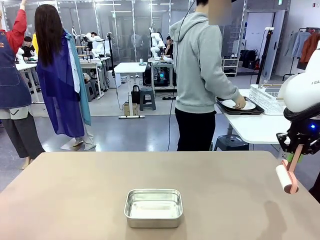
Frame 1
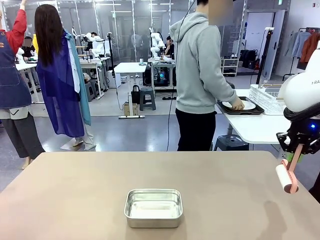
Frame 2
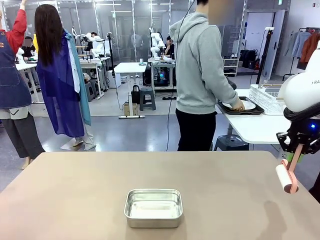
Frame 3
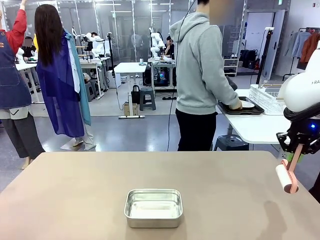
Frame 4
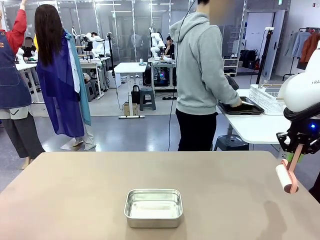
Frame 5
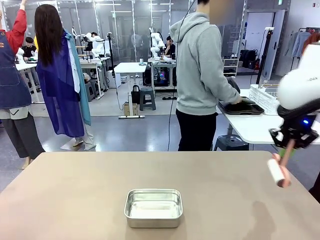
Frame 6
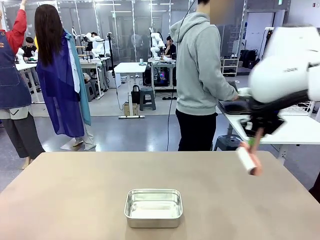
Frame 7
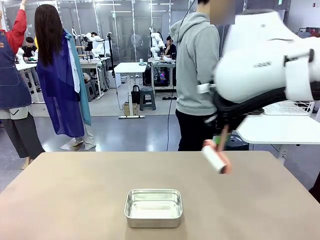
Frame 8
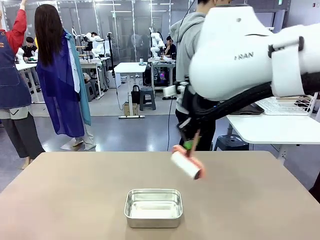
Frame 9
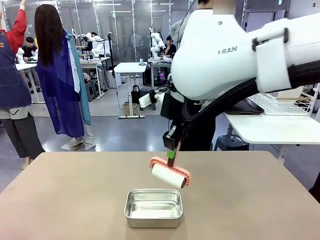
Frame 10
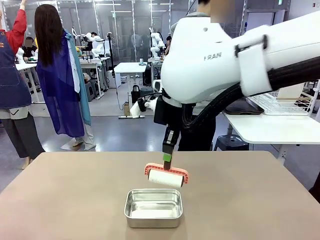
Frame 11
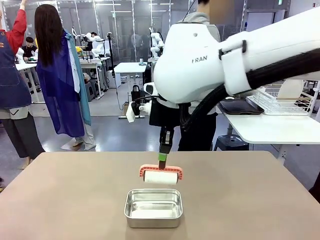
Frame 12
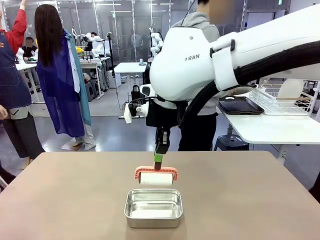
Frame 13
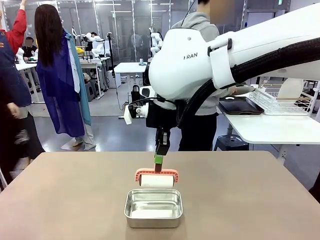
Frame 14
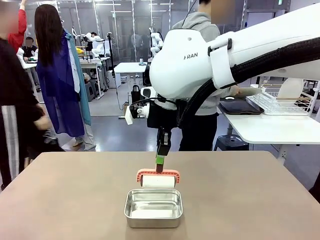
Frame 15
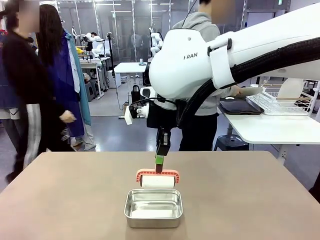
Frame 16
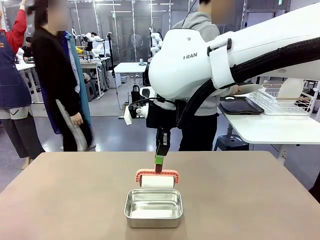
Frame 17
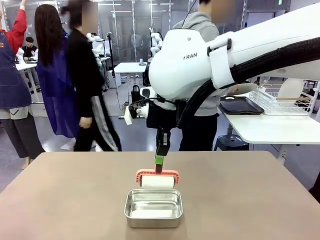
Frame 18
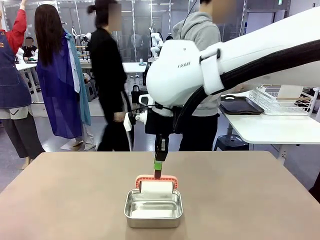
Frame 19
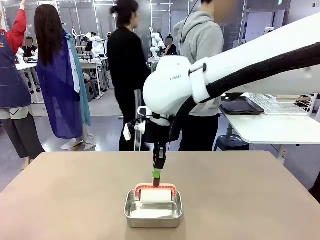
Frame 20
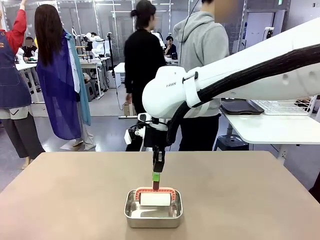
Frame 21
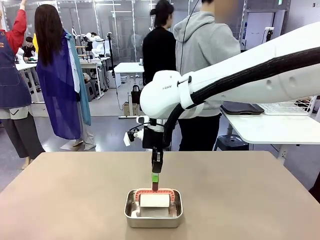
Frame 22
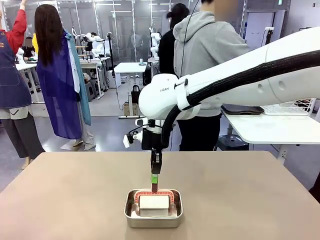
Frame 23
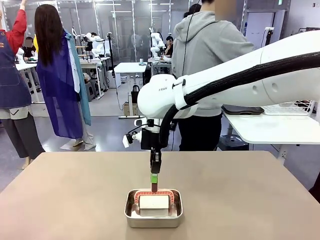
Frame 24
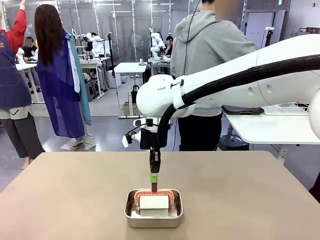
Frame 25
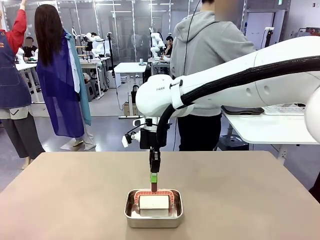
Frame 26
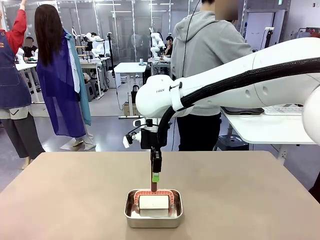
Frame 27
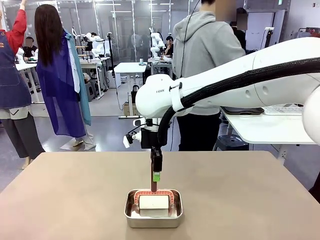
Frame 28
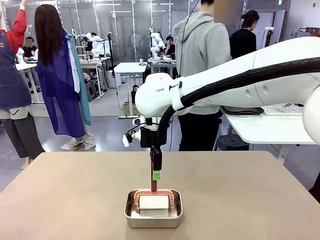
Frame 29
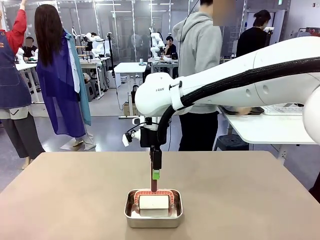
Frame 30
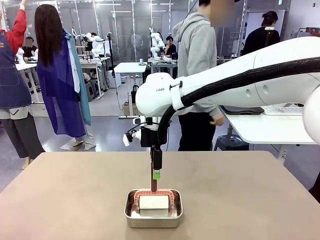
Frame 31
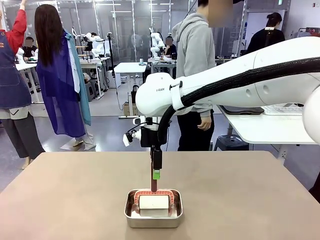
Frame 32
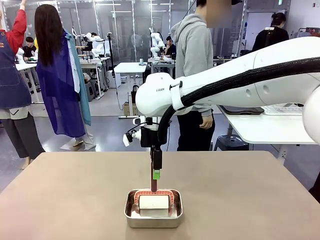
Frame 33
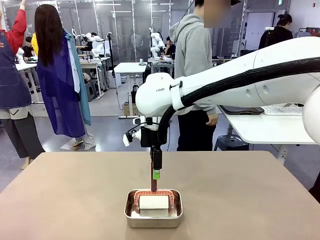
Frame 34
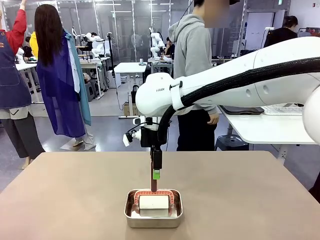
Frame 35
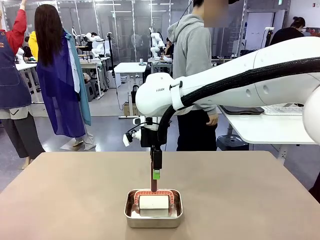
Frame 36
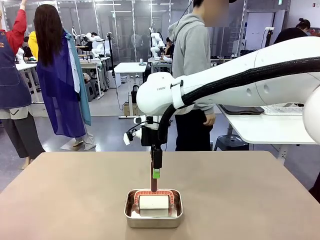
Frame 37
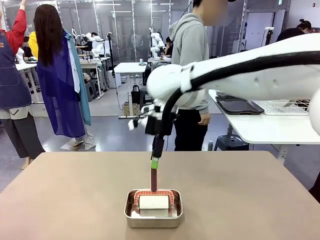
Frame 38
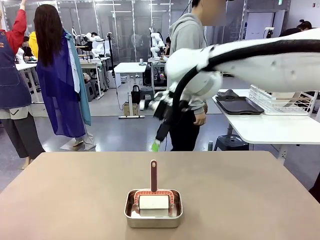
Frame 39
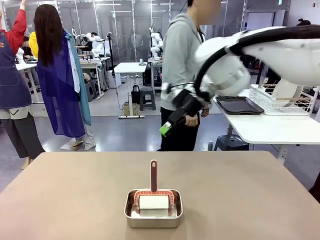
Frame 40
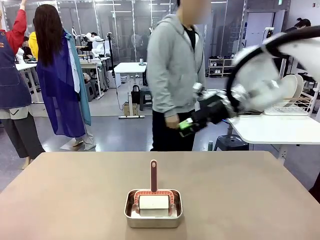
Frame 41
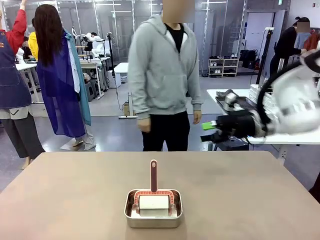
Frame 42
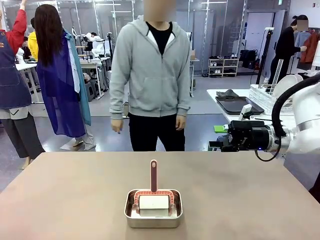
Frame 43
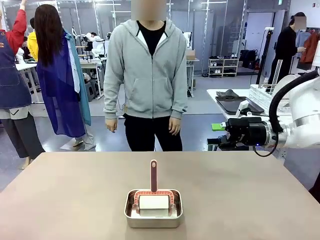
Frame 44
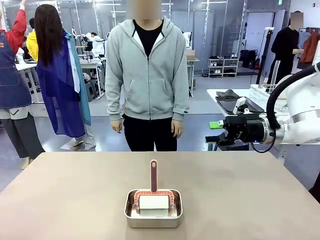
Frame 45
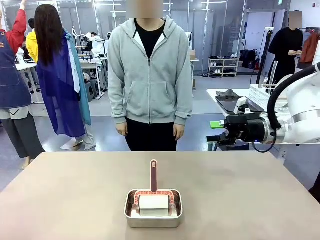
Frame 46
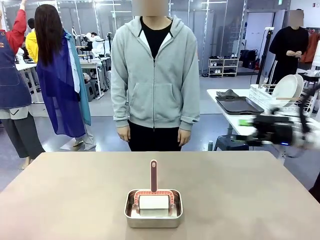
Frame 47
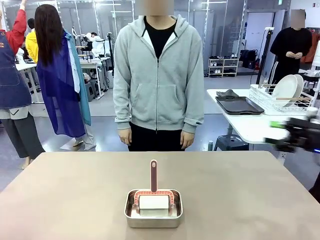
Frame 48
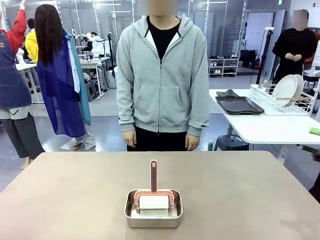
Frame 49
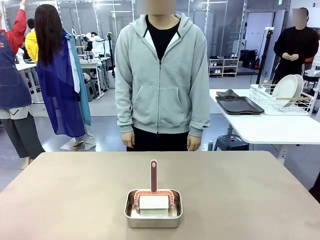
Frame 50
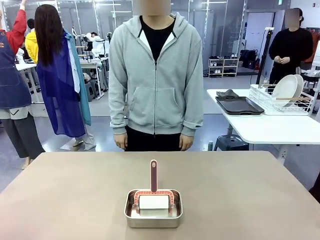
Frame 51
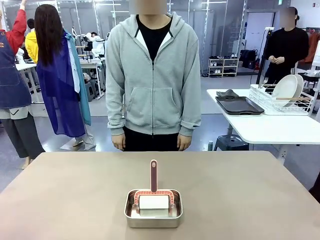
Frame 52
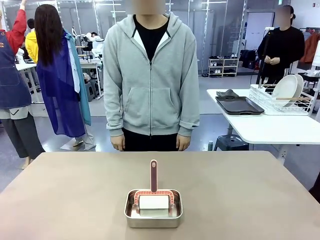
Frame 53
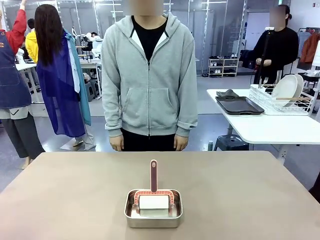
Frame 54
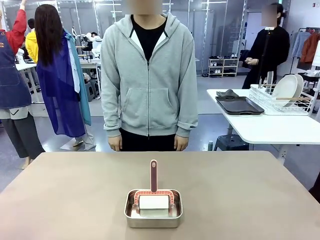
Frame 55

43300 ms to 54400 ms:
Robot: Place the Lint Roller back on top of the Airtight Container.

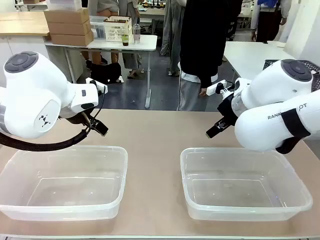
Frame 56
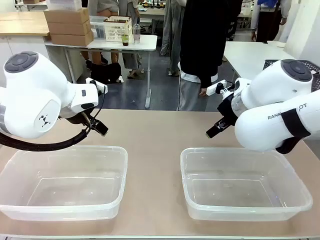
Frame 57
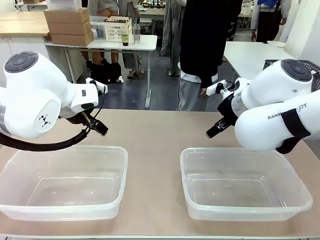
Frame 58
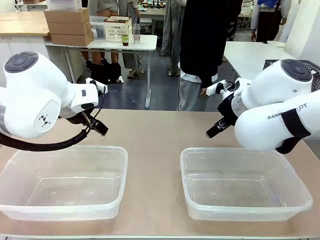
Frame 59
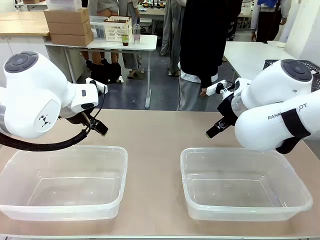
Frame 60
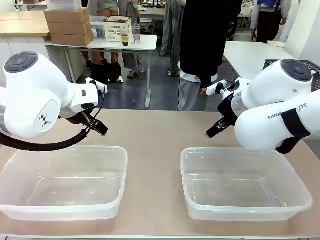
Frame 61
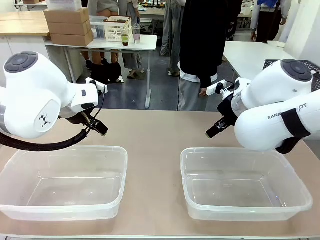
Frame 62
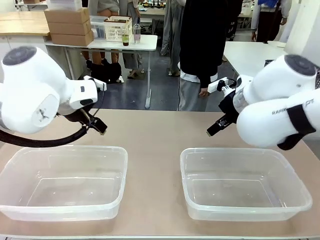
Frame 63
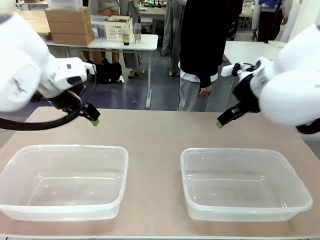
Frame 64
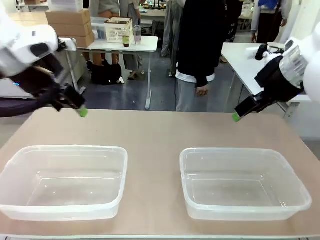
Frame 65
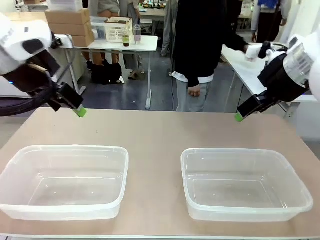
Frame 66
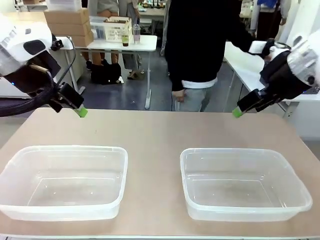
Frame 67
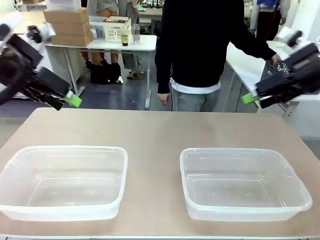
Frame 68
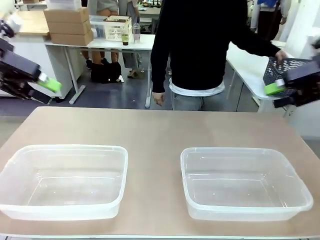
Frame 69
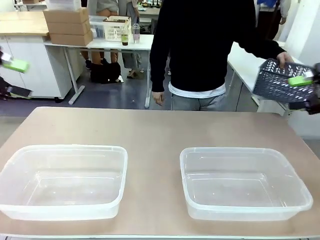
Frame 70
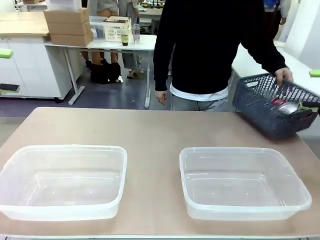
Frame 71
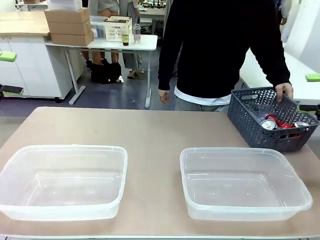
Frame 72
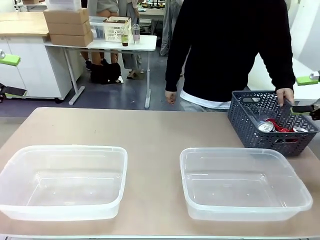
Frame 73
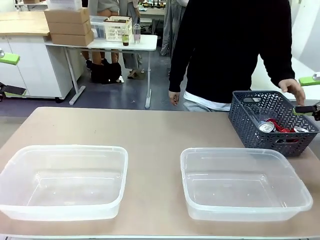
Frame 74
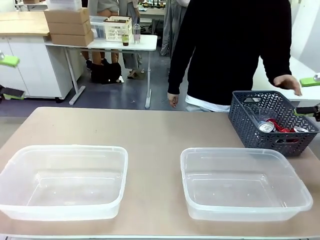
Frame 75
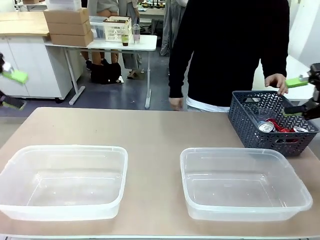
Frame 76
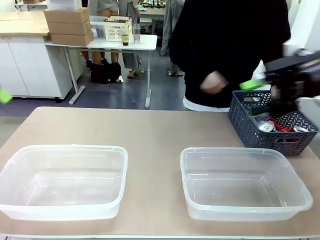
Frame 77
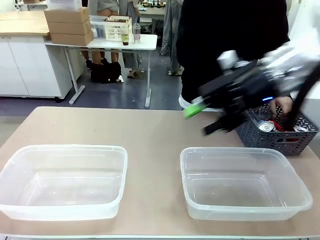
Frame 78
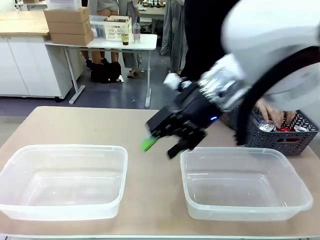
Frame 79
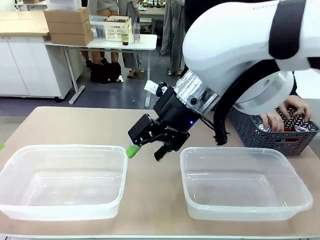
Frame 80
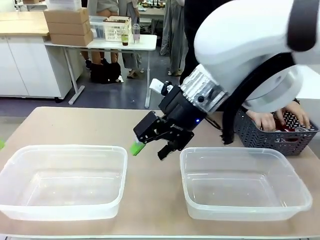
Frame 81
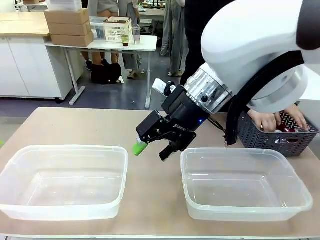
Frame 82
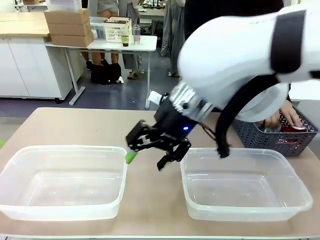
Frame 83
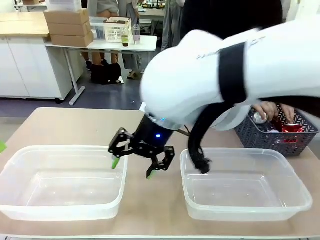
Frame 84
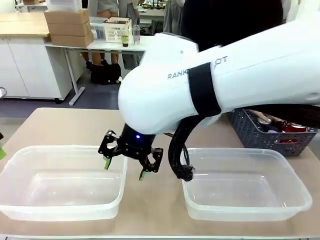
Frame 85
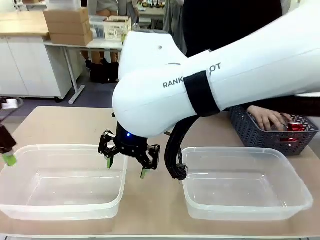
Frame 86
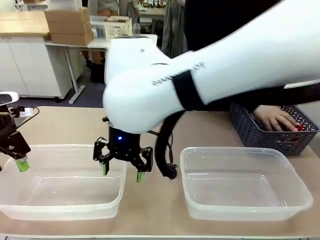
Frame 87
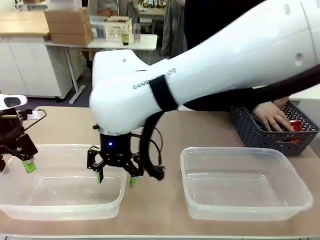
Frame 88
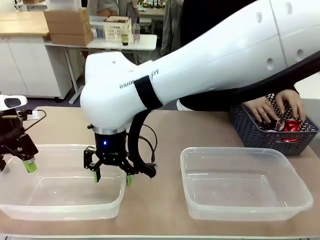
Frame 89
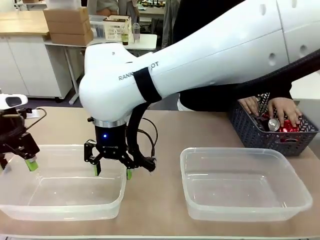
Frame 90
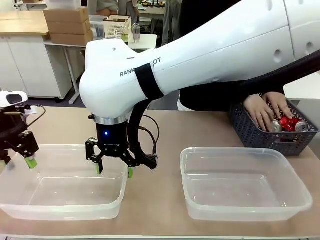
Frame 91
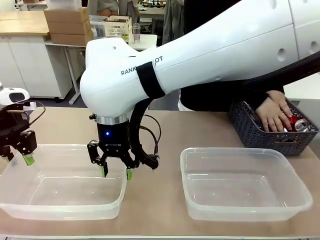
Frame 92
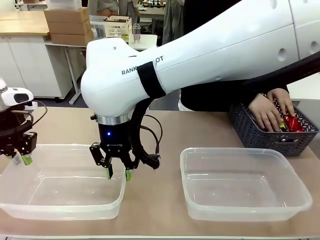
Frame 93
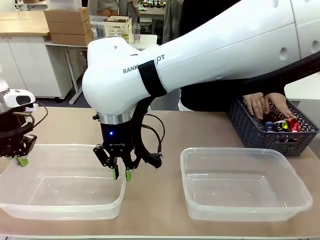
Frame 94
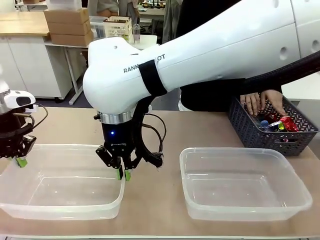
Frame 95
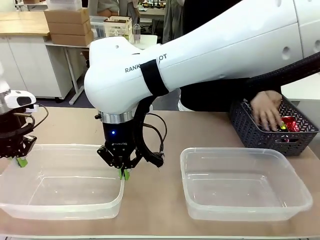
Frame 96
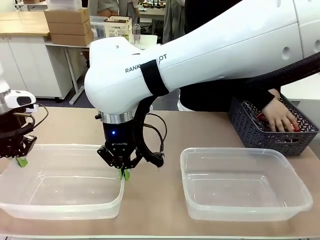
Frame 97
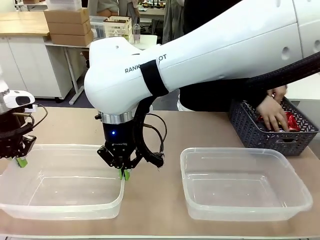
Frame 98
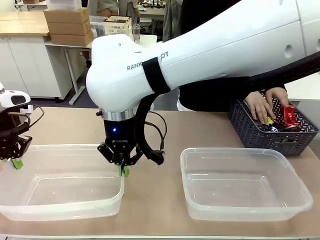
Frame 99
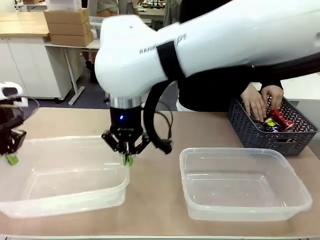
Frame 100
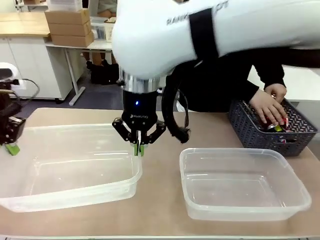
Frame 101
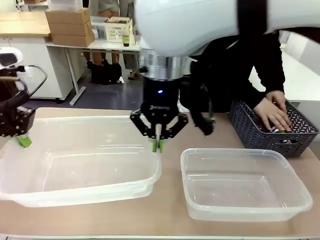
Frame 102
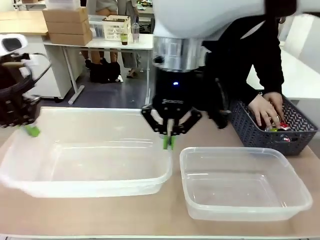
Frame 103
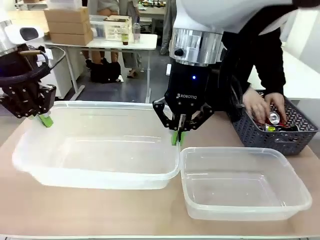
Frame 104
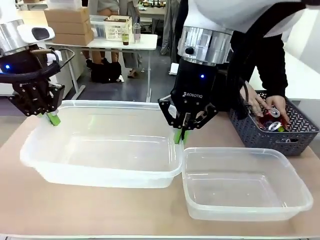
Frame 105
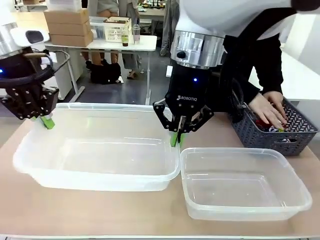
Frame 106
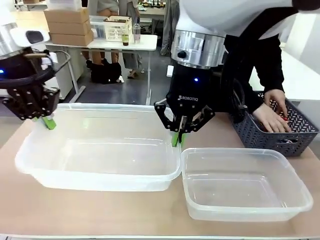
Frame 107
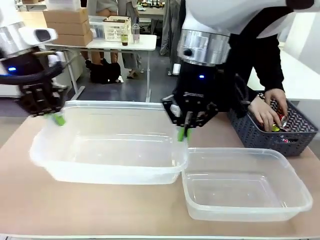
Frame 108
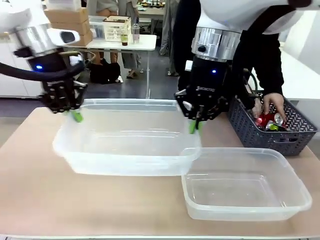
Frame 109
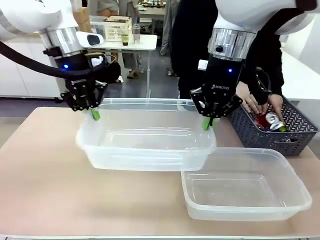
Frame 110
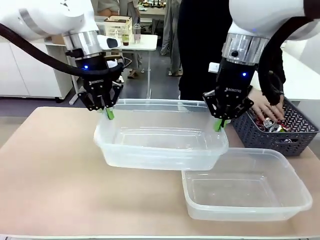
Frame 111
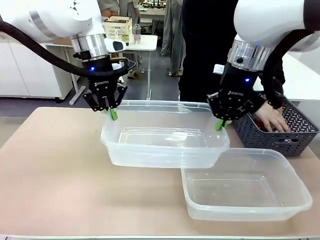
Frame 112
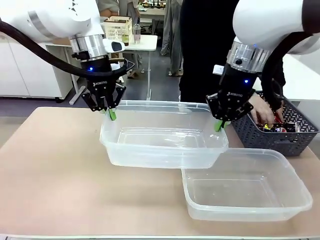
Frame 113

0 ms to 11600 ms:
Robot: Pick up the Organizing box on the left side of the table and lift it.
Person: Pick up the storage basket and place it on the left side of the robot table. Pick up can-shaped waste one by one and place it into the organizing box lifted by the robot.
